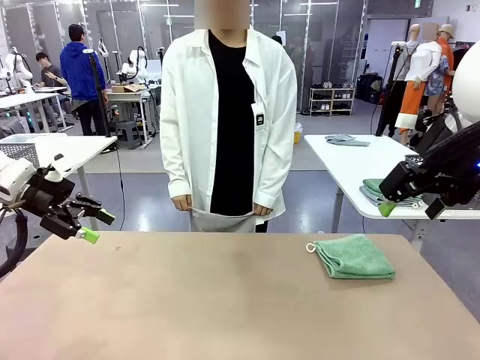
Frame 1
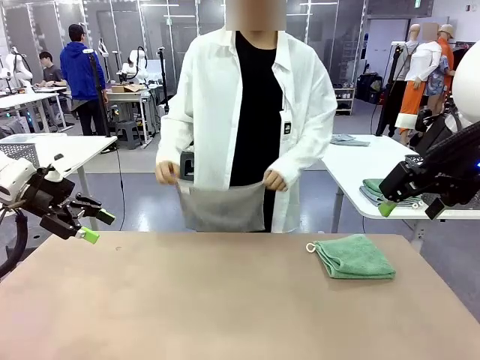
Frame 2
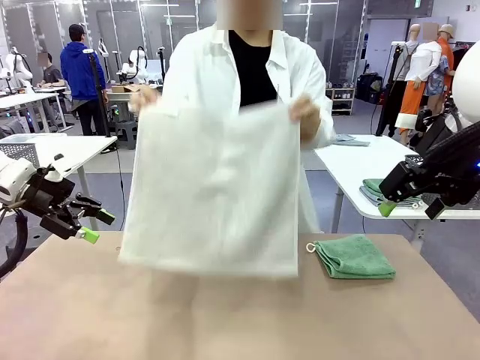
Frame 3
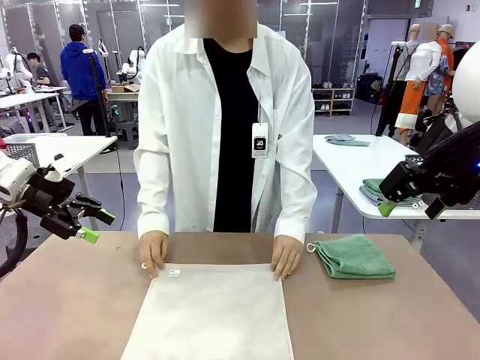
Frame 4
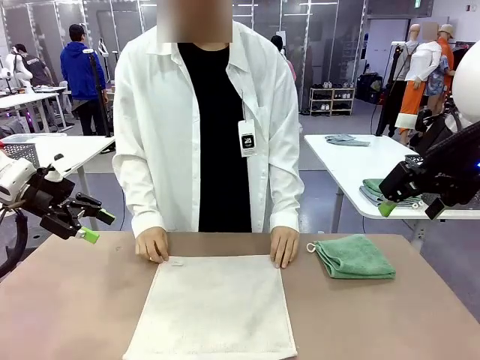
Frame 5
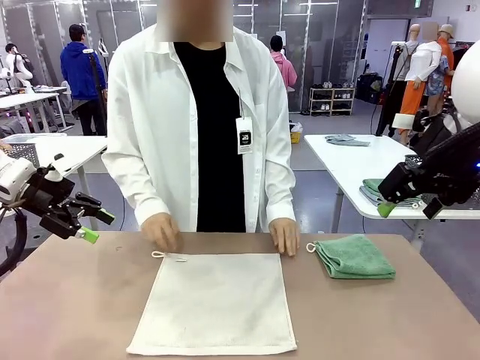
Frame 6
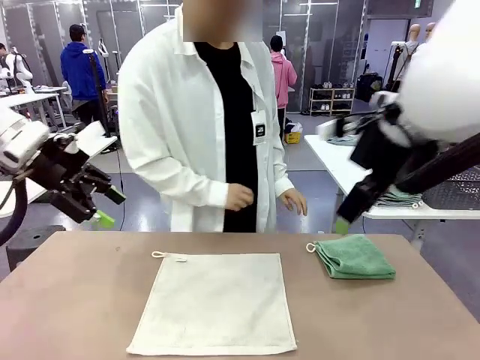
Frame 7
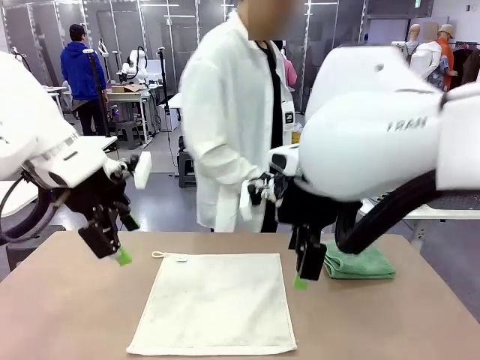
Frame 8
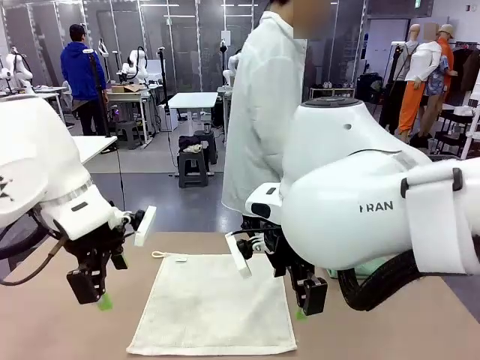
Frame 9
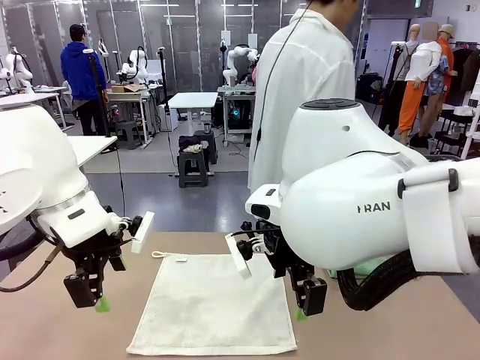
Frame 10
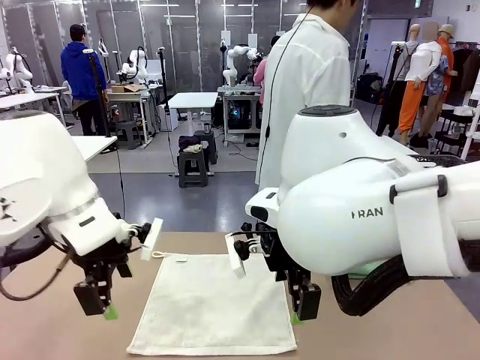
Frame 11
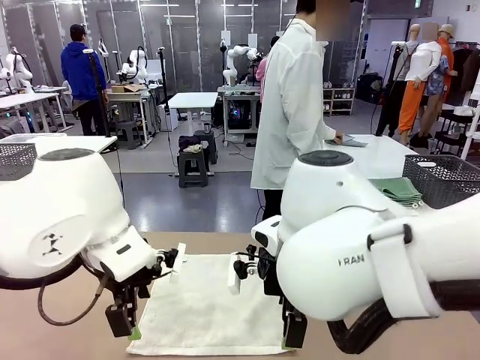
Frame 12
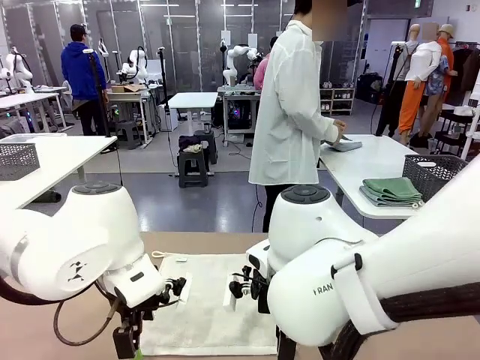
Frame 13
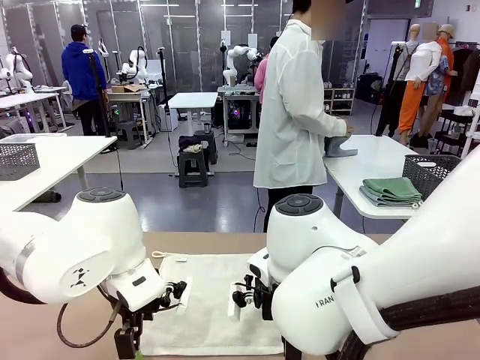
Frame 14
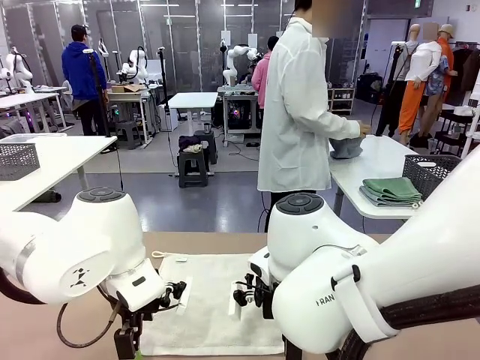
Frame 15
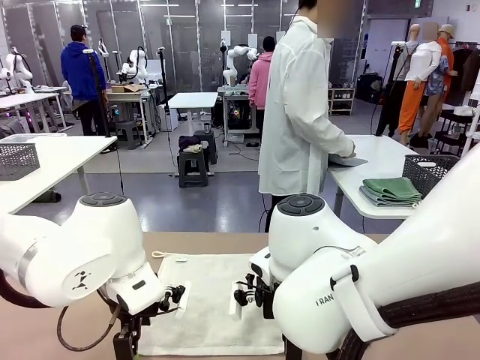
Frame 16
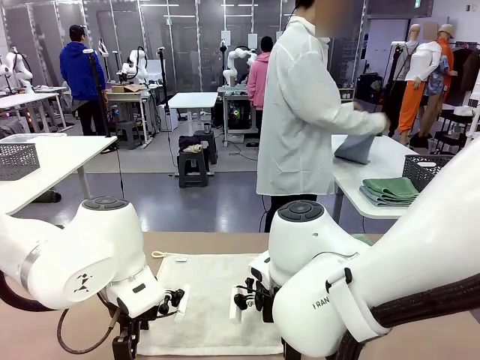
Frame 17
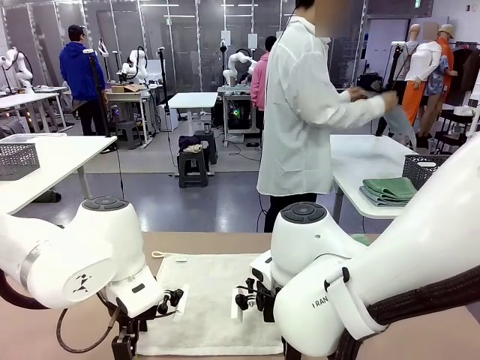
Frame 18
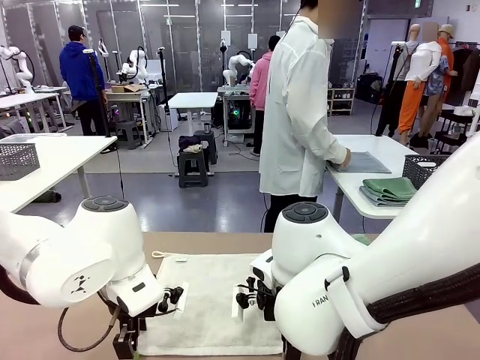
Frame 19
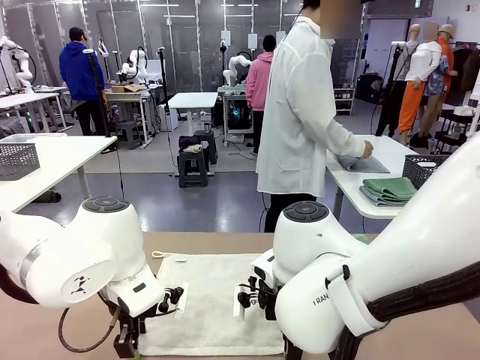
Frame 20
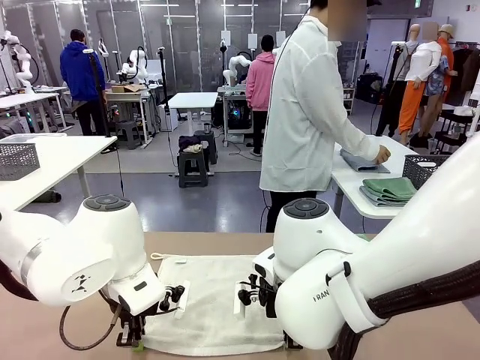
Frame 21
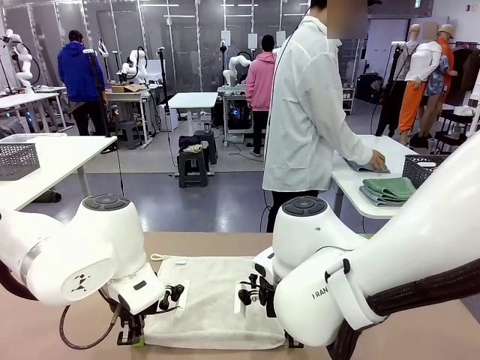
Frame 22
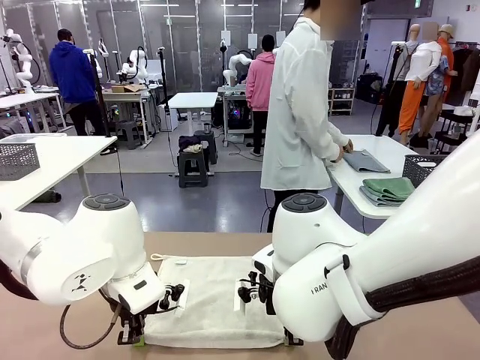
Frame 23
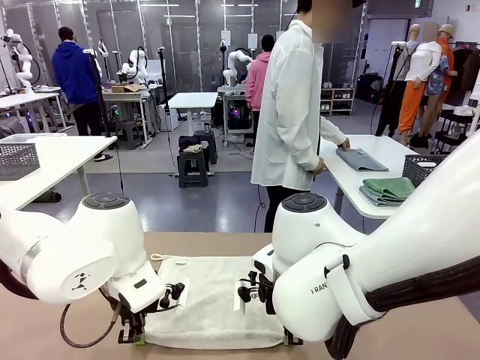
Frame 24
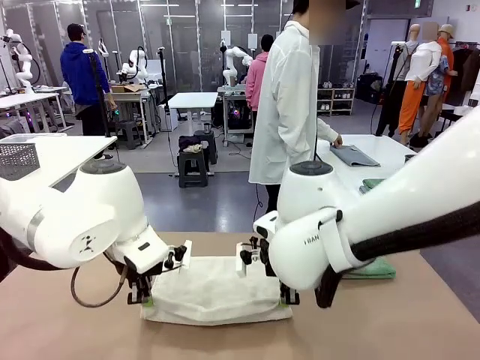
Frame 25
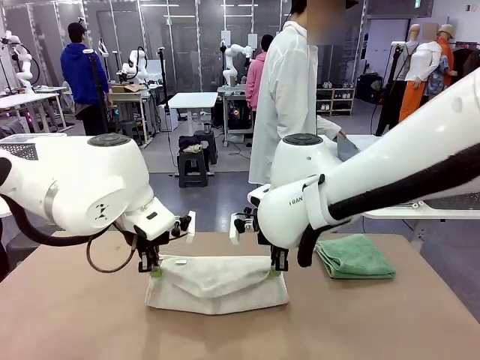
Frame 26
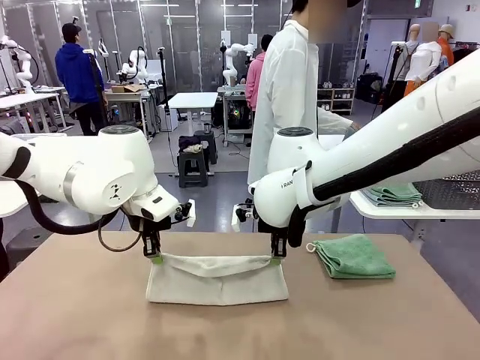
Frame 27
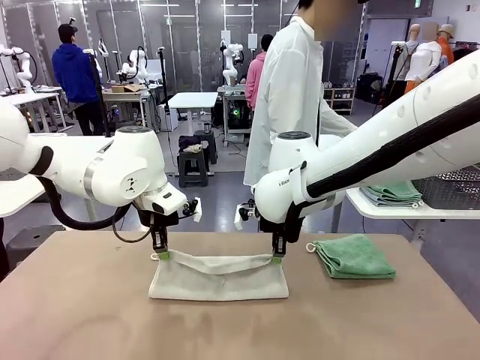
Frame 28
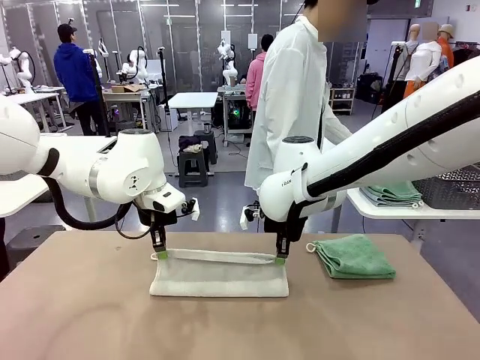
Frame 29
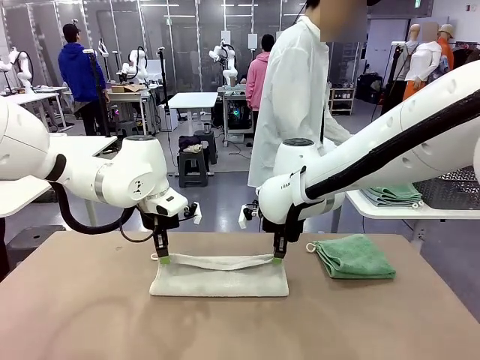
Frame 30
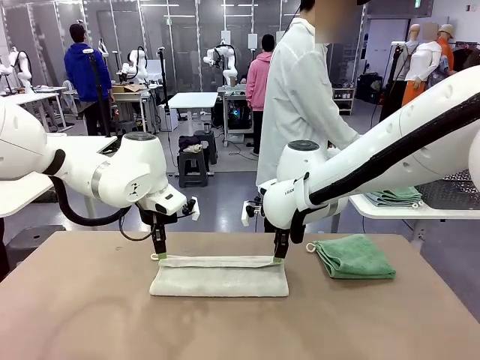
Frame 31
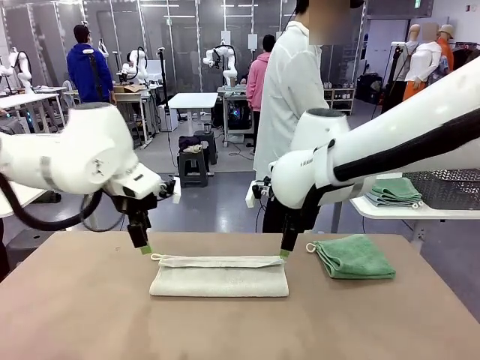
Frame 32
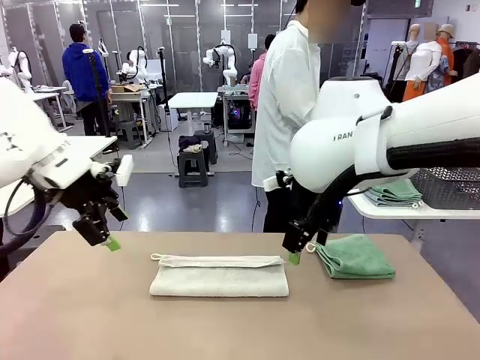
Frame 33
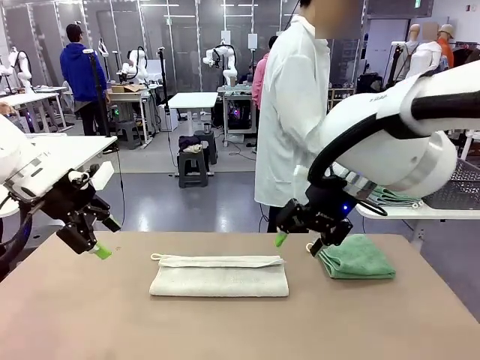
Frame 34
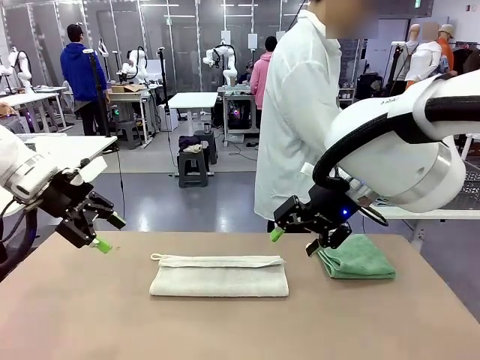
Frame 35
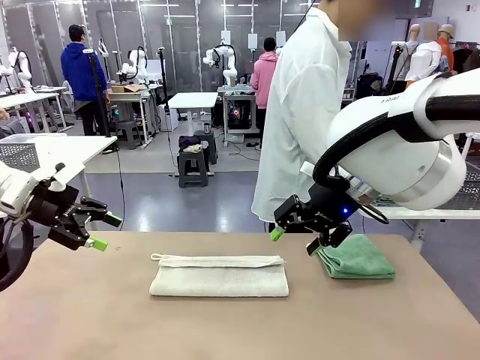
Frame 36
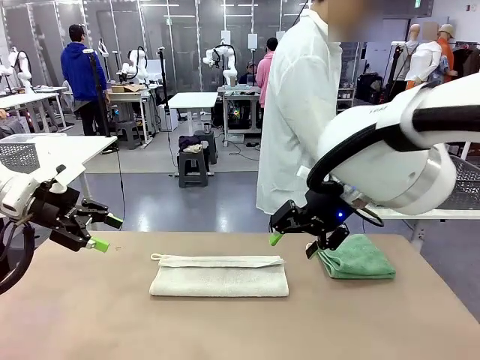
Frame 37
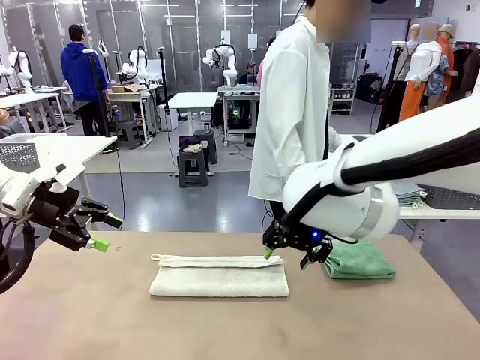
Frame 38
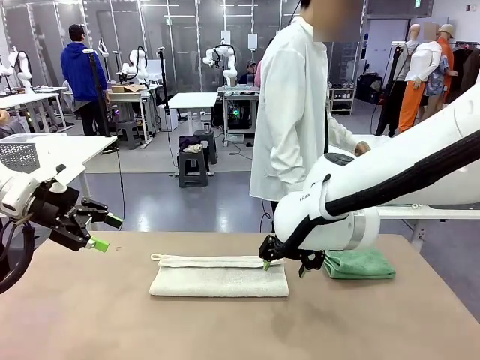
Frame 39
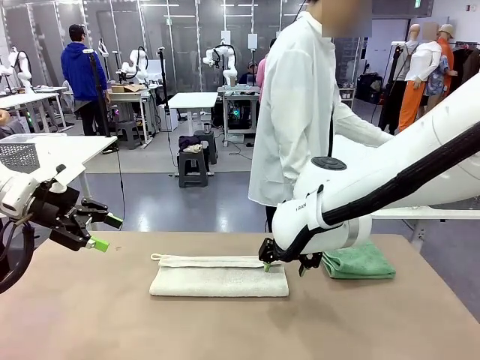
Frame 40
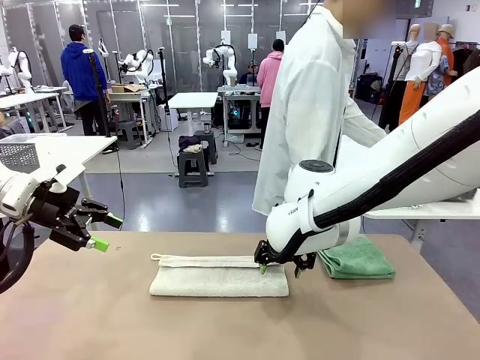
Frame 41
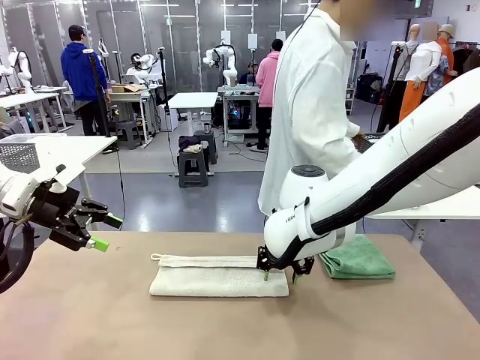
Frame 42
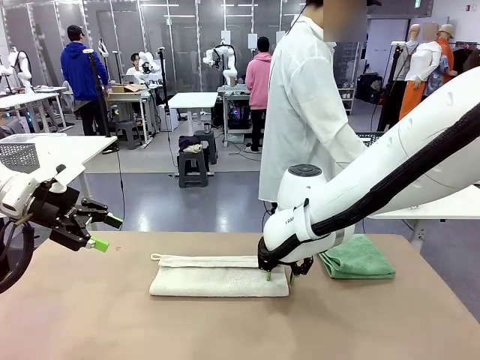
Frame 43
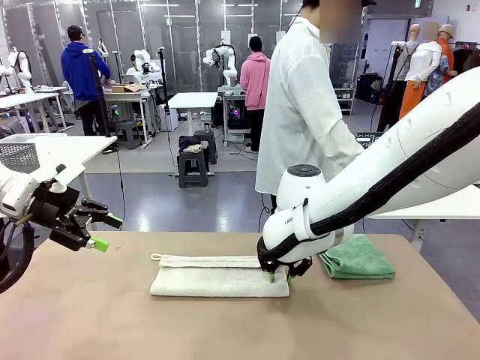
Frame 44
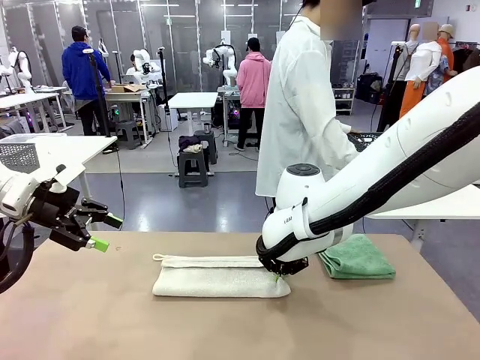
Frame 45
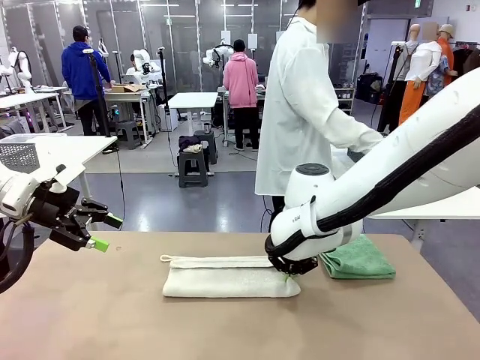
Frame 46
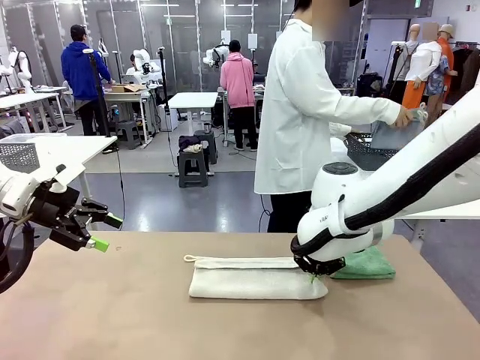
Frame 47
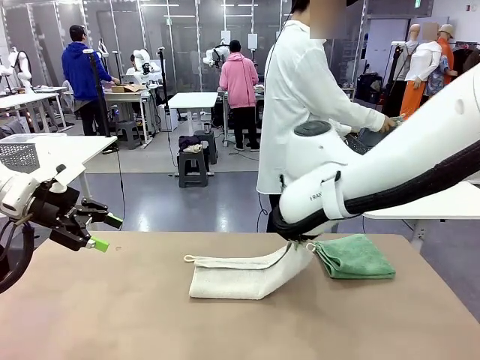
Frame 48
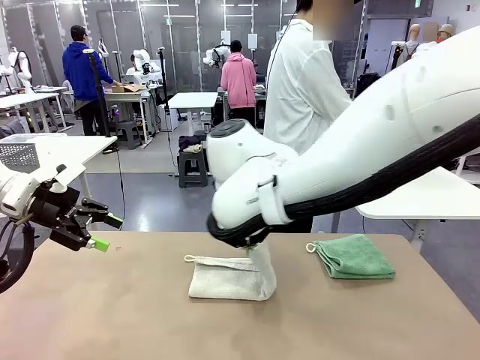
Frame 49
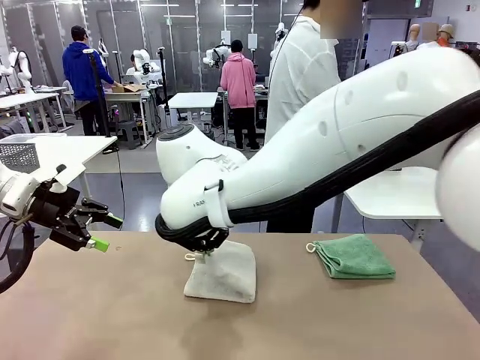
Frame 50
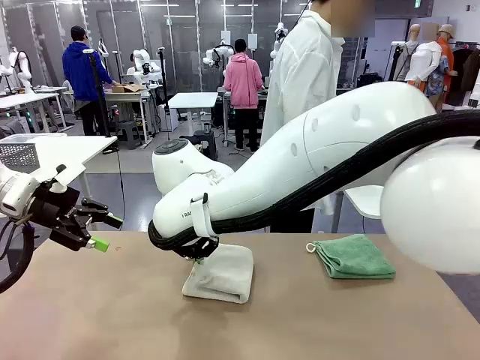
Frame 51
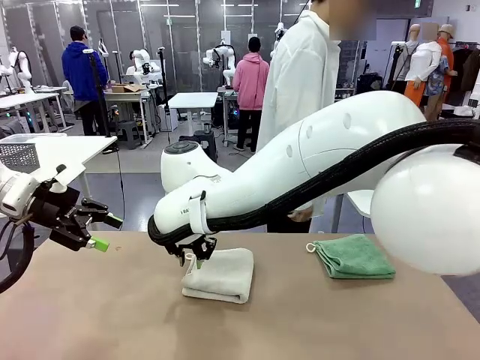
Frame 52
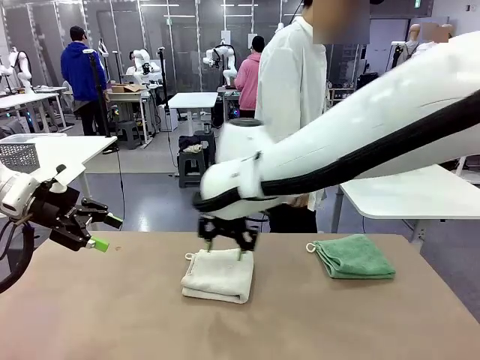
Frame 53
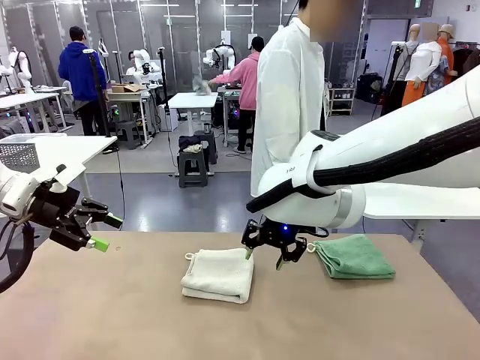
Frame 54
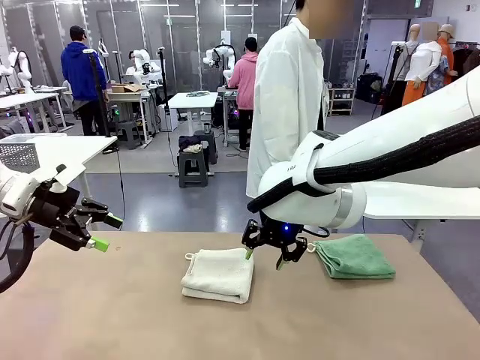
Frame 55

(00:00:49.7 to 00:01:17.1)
Task: Fold the towels and place them in the basket.
Robot: When a person lays out a Towel with hook on the table, fold it in half twice.
Person: Pick up one towel from the left side of the human table, fold it in half twice, and stack it on the right side of the table. Pick up the stack of towels from the right side of the human table, place it into the basket, and put the basket at the center of the table.
